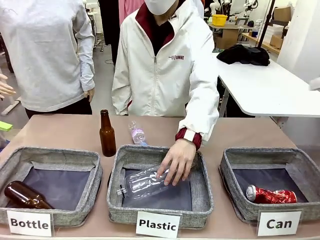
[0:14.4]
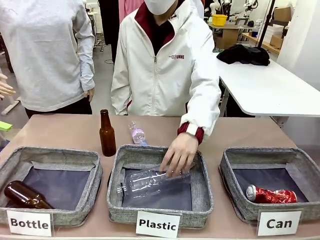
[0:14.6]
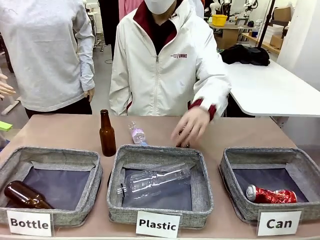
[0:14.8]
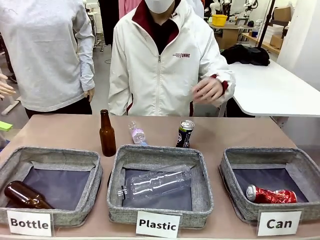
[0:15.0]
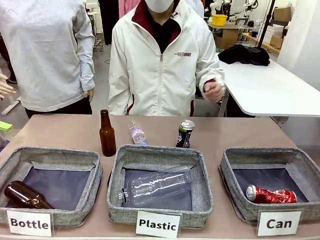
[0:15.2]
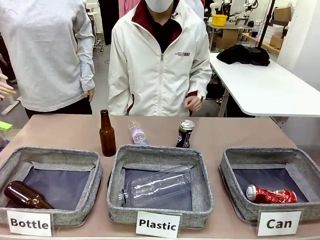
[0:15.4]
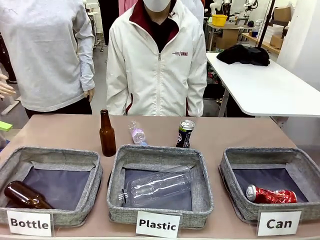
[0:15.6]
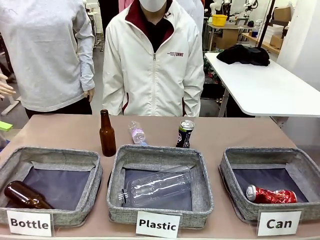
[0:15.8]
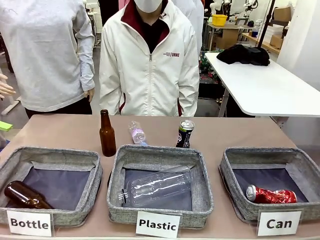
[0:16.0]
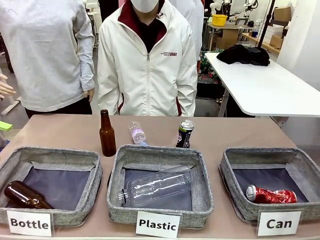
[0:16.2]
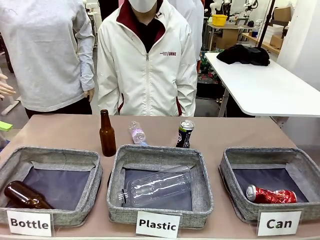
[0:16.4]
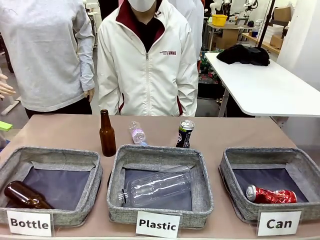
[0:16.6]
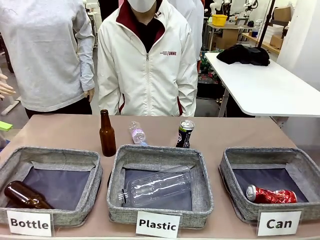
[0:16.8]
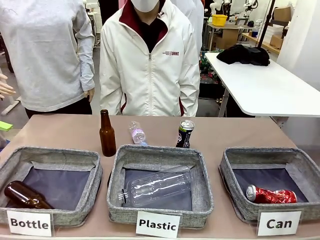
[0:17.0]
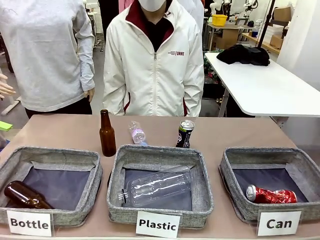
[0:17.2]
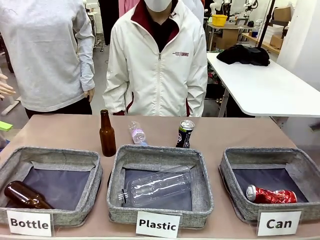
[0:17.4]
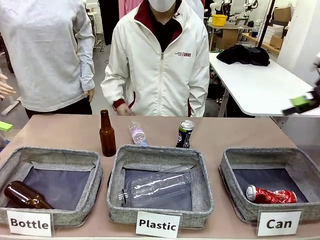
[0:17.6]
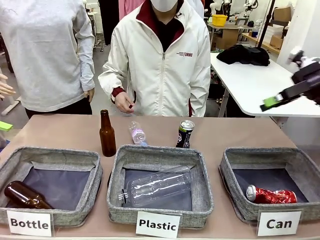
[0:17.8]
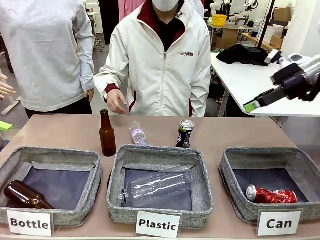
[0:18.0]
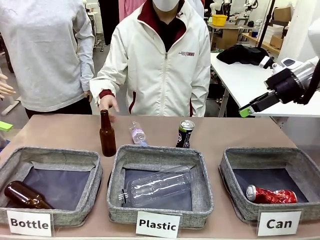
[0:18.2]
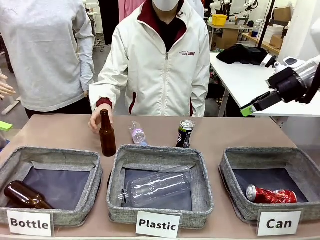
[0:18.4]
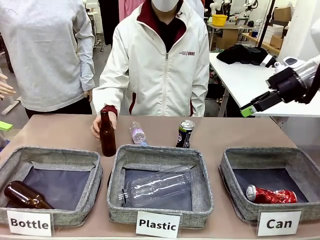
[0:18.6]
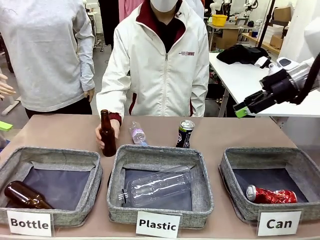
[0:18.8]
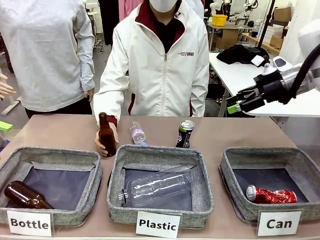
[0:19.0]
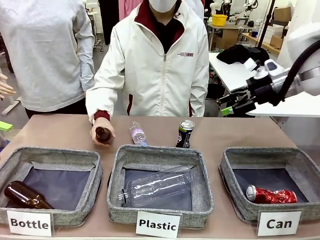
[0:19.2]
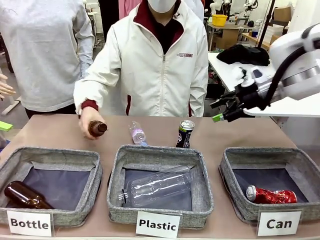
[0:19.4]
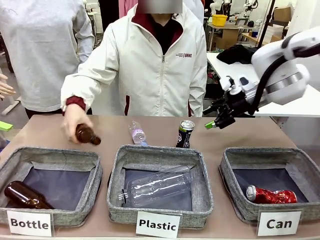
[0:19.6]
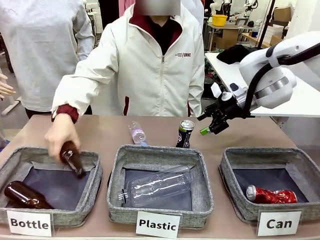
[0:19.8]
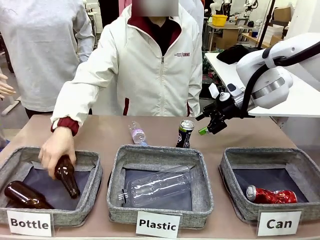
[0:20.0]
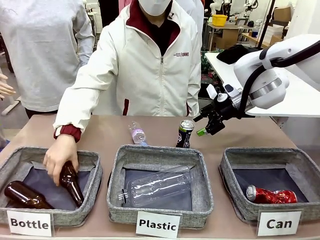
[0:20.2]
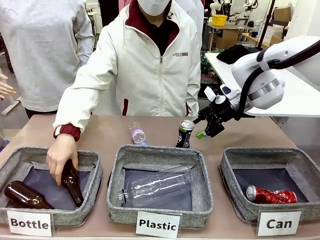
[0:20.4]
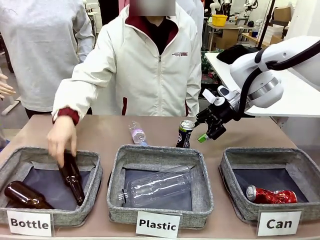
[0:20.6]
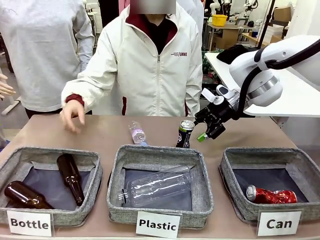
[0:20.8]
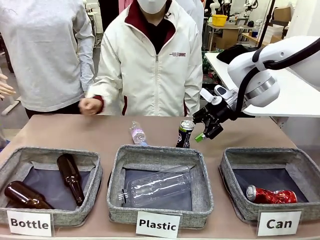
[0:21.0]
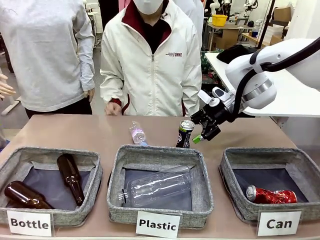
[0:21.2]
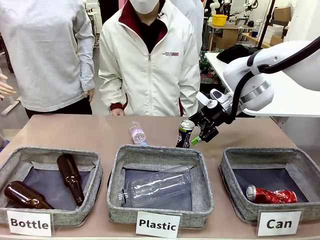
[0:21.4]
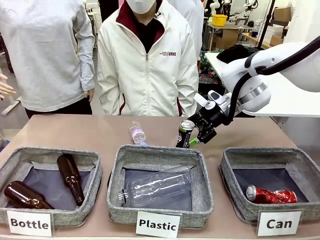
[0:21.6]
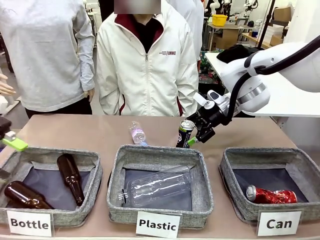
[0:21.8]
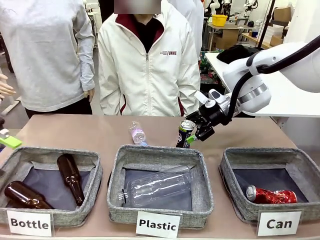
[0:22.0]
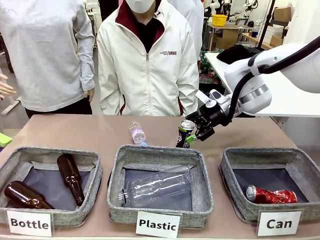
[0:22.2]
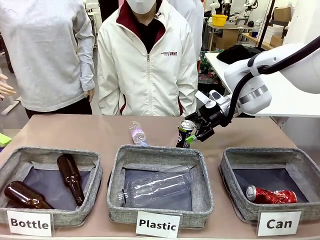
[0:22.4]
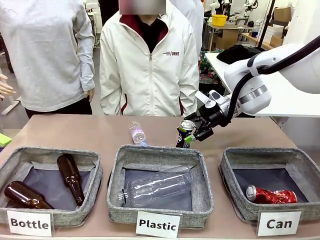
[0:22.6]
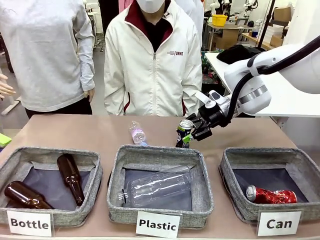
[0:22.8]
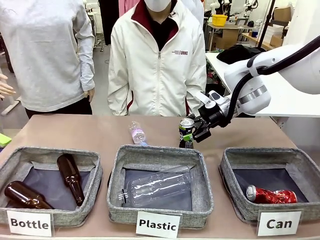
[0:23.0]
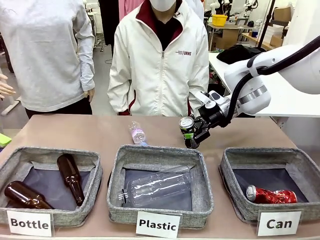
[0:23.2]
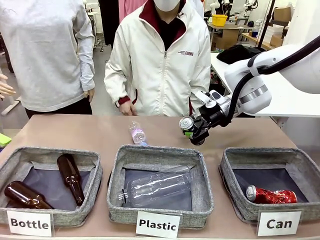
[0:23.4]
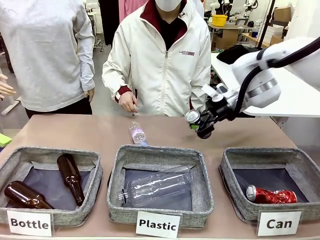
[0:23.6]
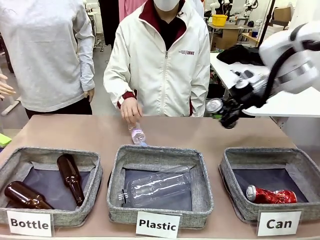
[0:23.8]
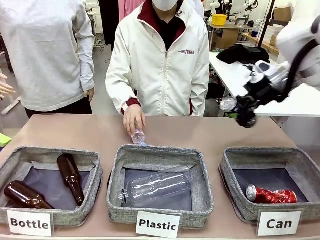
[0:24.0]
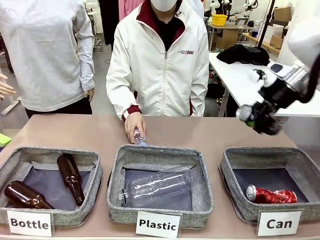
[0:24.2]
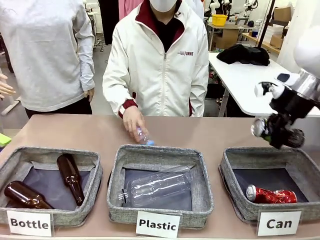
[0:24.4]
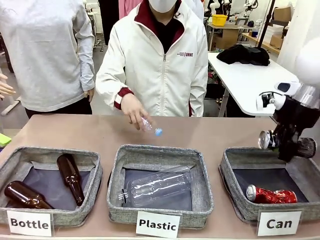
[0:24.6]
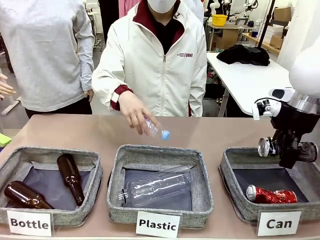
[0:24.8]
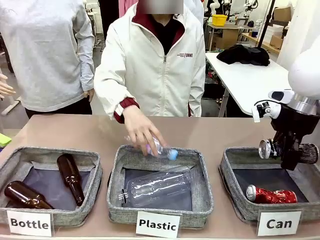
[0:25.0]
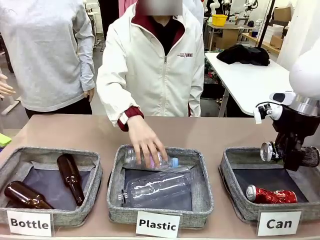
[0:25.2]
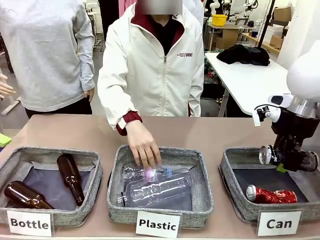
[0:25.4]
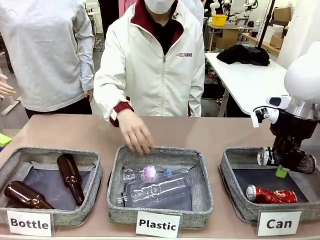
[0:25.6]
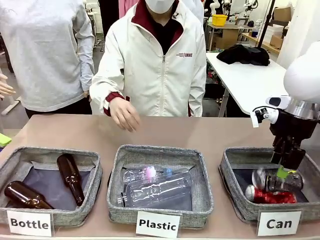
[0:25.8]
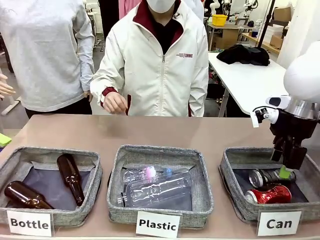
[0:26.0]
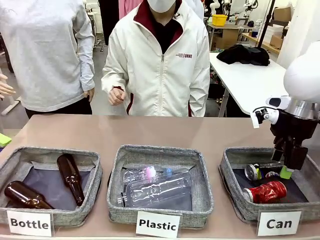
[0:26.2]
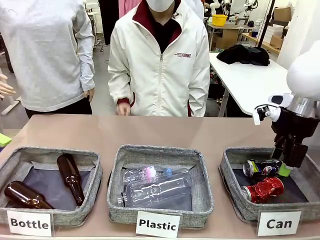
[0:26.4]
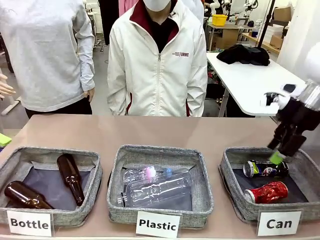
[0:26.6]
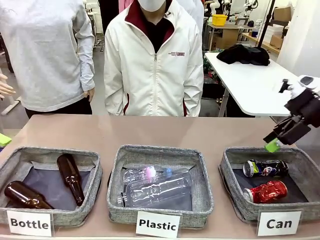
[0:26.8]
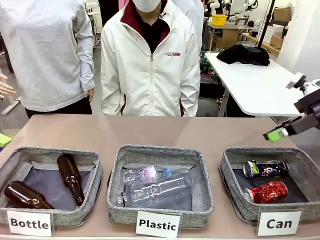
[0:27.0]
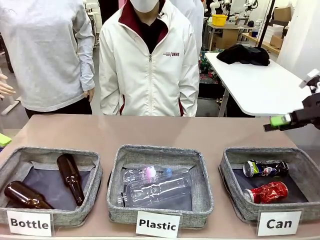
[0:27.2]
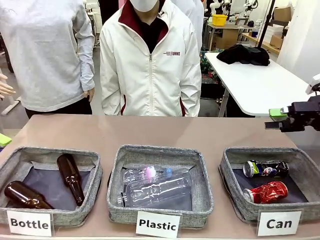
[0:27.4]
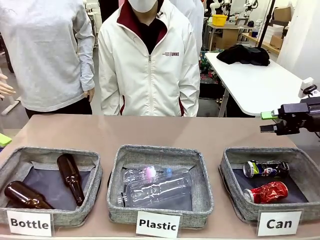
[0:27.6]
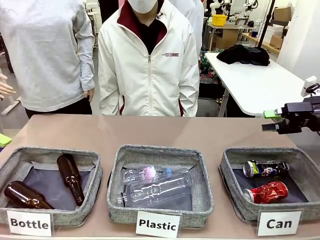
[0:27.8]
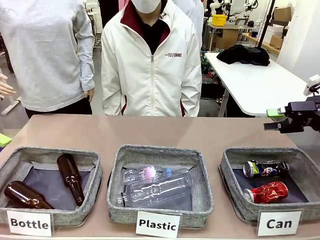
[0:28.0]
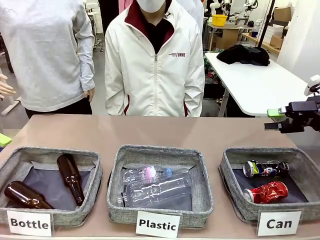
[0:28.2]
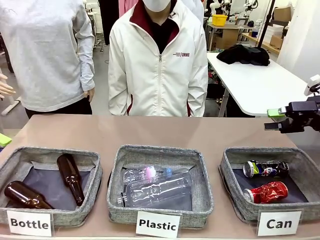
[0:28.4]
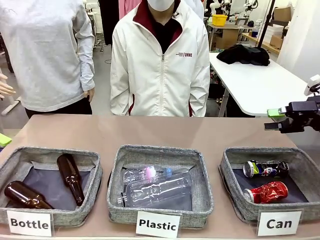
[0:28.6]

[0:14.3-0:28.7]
Task: Sort the can waste into the basket.
Robot: Pick up the can waste from the table and place it in the right Fabric basket.
Person: The human picks up one piece of trash that is not a can and places the trash into the appropriate organizing basket.
